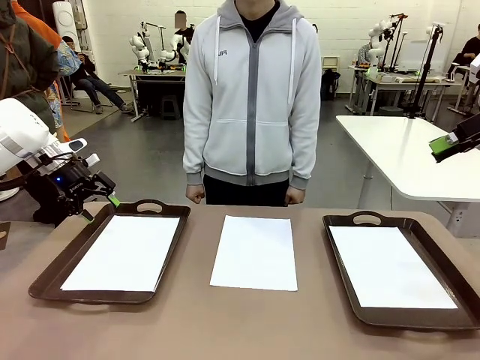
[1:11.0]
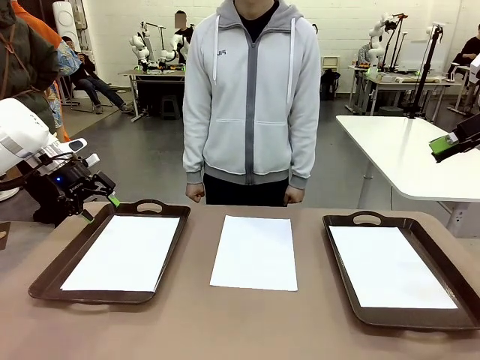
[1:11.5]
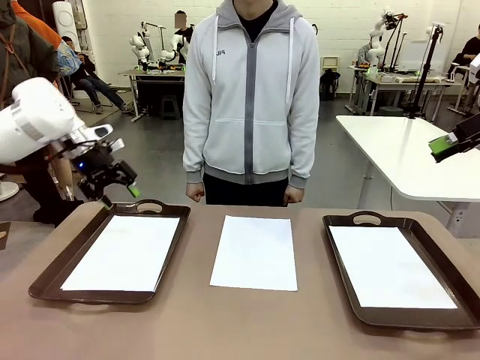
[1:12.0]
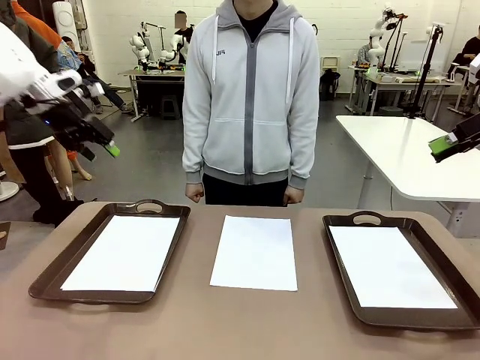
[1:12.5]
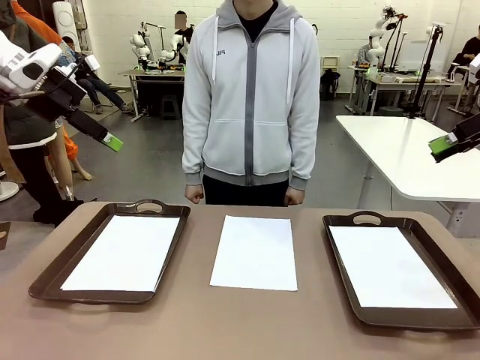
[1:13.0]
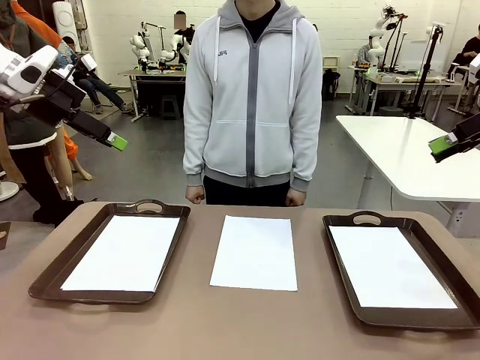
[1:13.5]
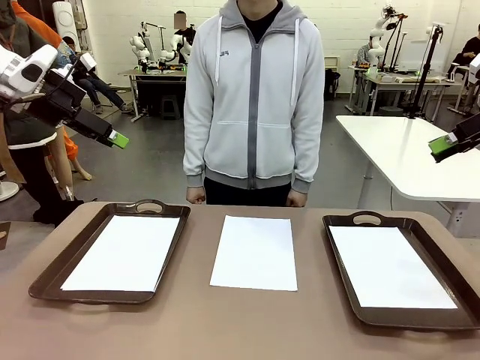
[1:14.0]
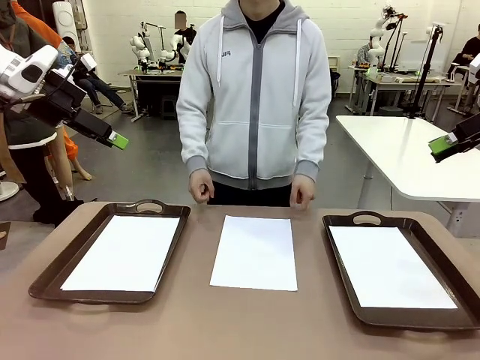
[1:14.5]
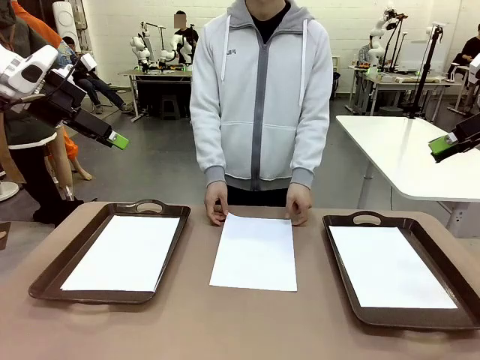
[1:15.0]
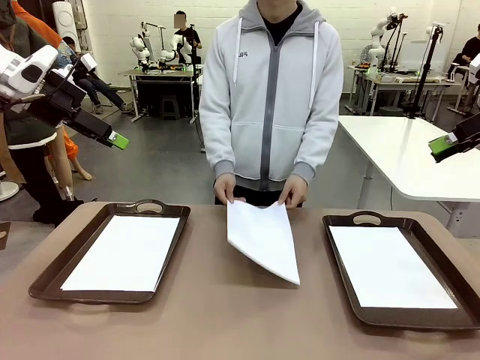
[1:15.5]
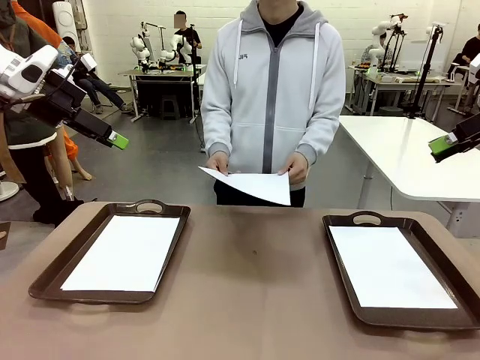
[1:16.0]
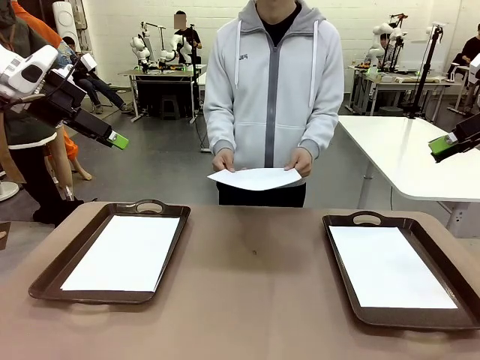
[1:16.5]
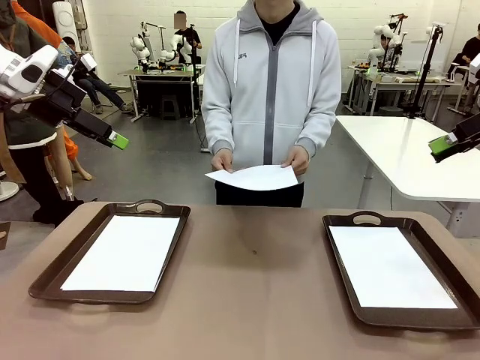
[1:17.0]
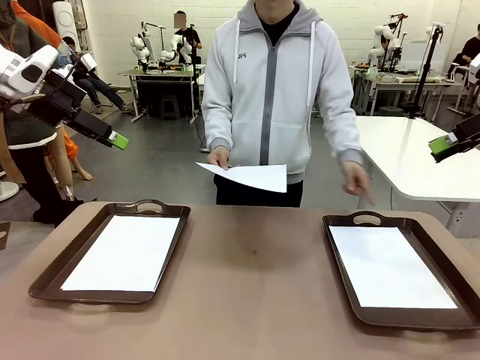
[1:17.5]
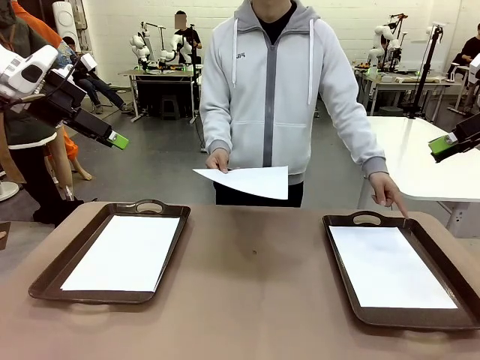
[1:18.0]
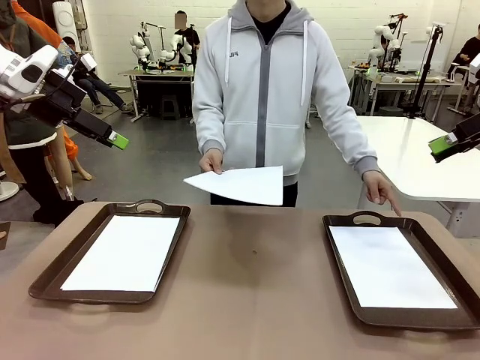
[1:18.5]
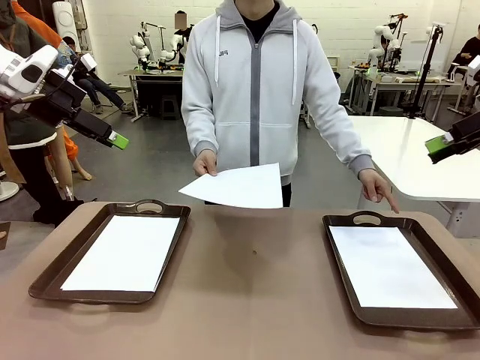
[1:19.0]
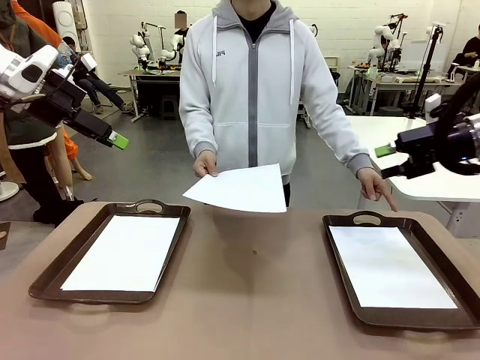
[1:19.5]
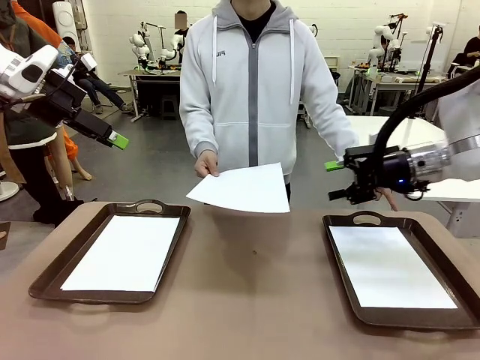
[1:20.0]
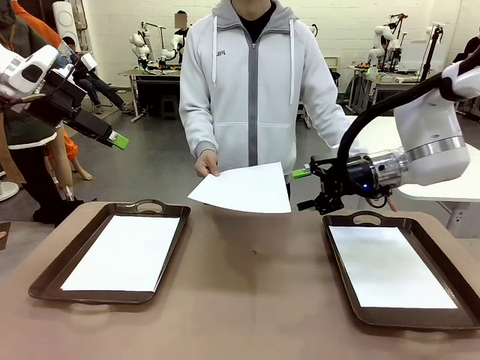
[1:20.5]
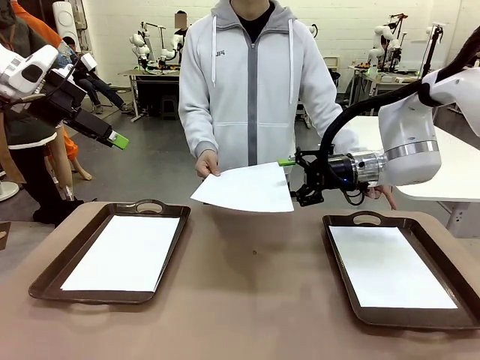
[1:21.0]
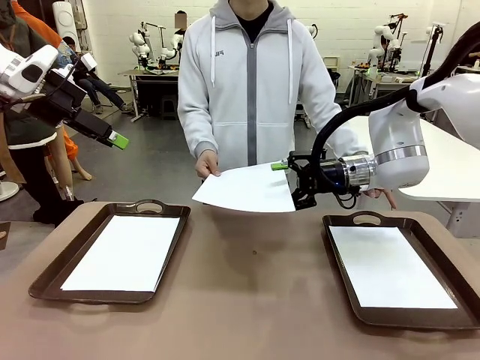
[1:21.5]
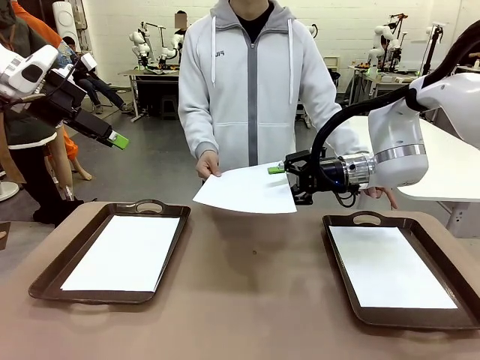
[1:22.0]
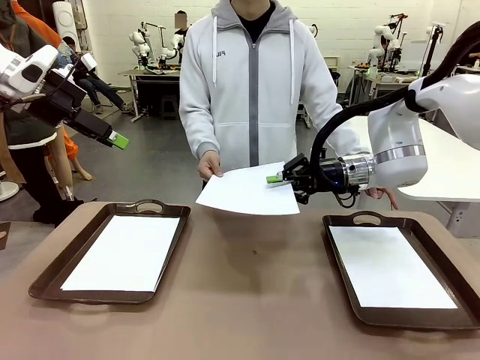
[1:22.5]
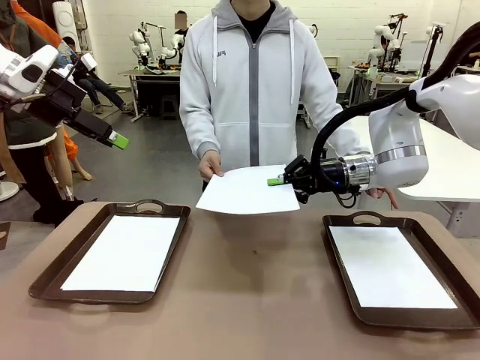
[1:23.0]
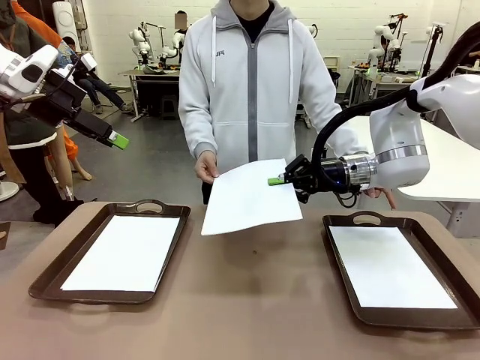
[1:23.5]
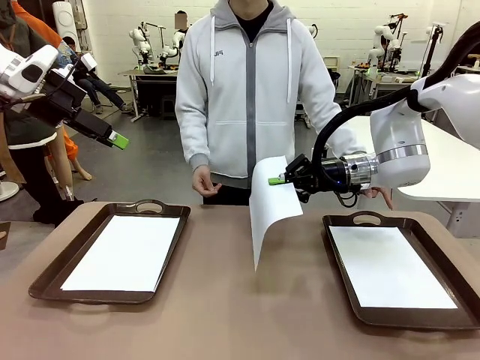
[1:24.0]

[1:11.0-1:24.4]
Task: Sort the A4 documents.
Robot: Receive the A4 Paper.
Person: Point the randomly selected tray with the other hand.

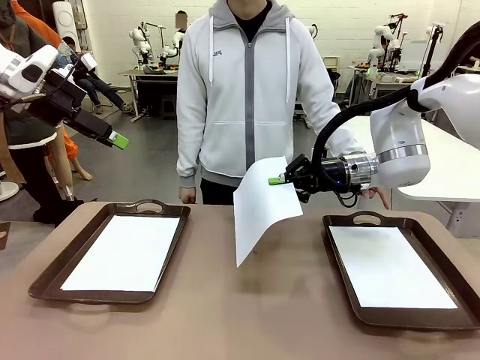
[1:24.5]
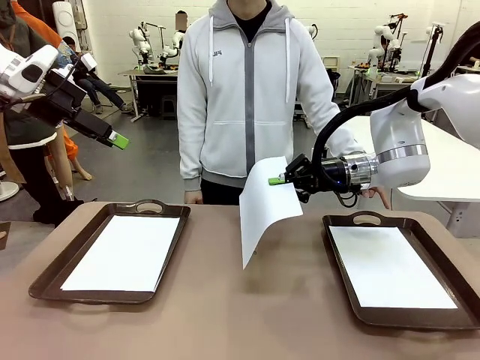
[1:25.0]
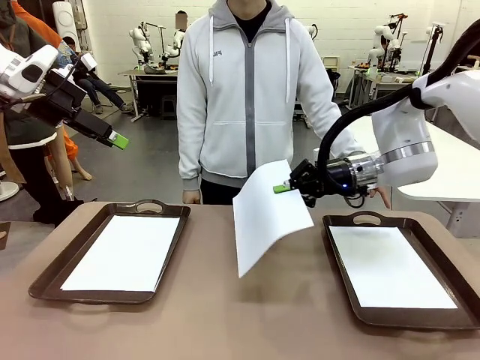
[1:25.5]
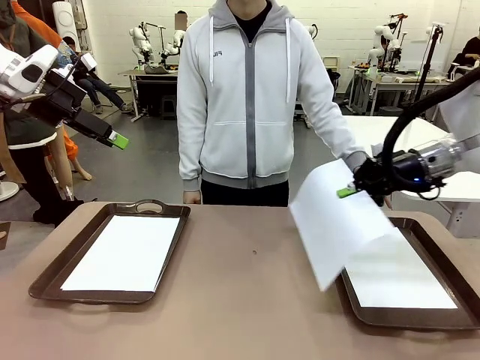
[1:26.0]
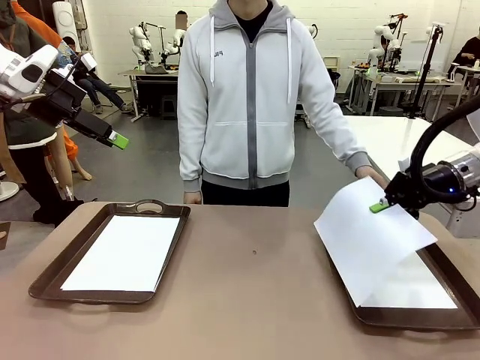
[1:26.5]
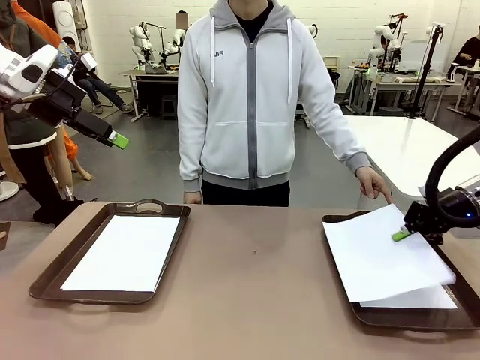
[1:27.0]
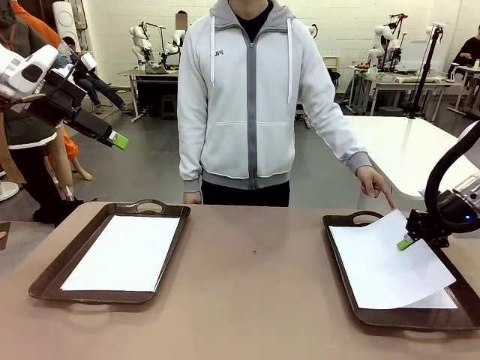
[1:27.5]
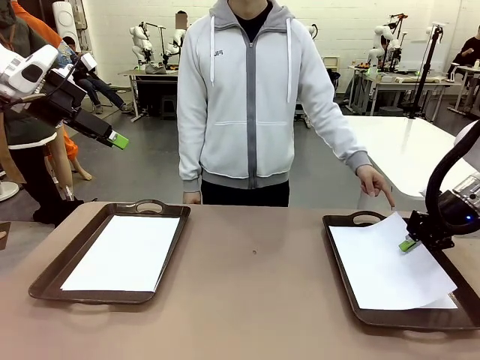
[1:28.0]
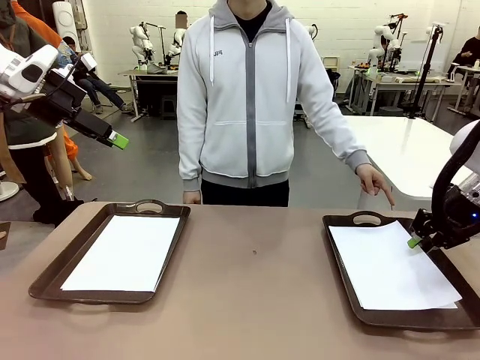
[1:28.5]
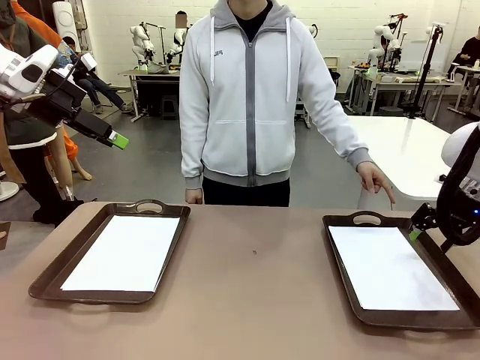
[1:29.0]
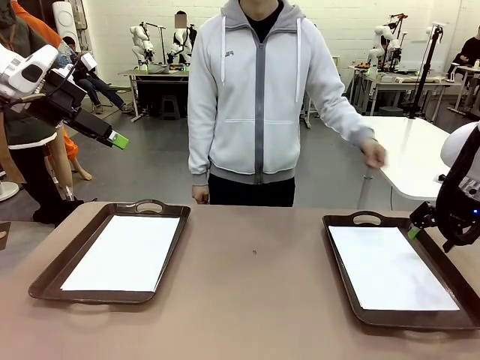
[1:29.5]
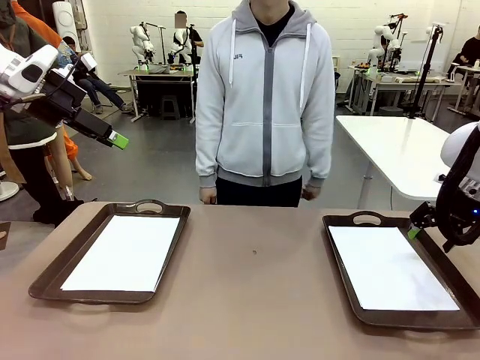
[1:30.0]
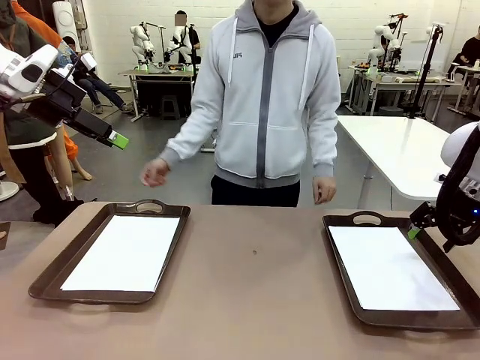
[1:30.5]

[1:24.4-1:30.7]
Robot: Place the A4 Paper in the designated Handle tray.

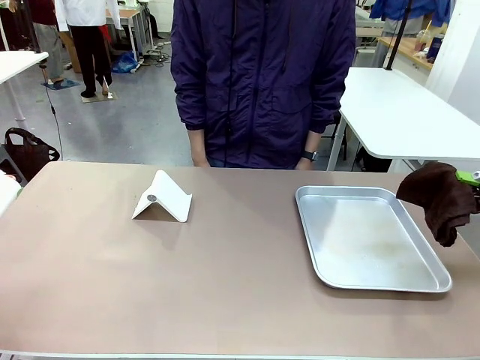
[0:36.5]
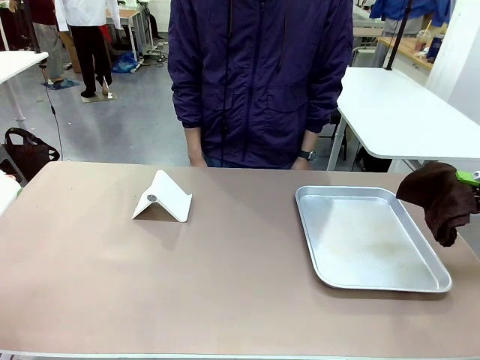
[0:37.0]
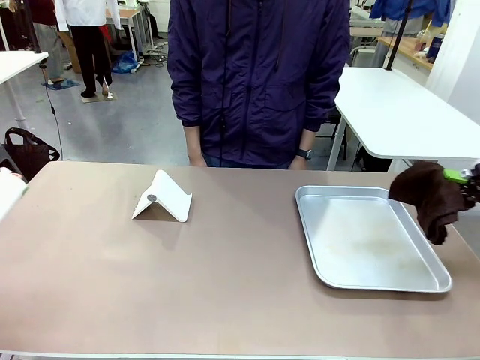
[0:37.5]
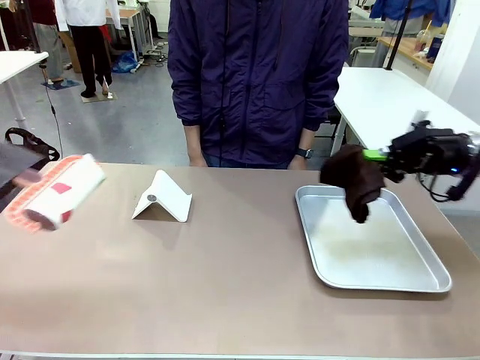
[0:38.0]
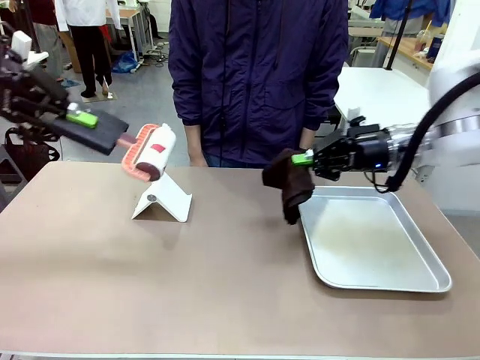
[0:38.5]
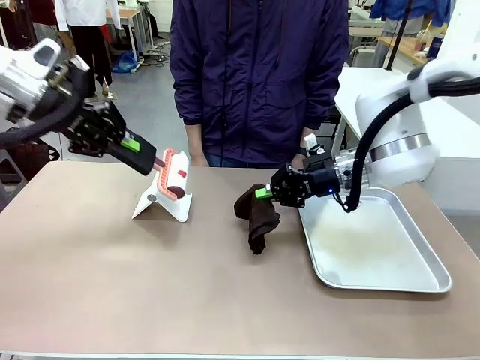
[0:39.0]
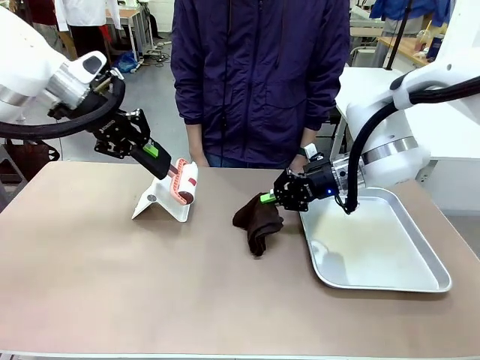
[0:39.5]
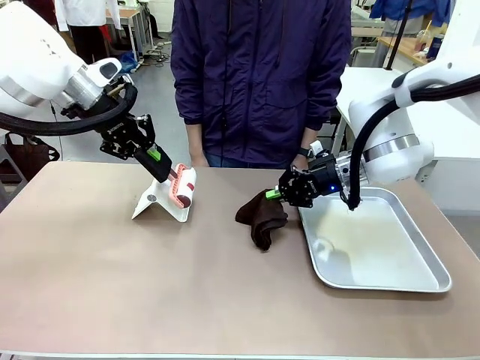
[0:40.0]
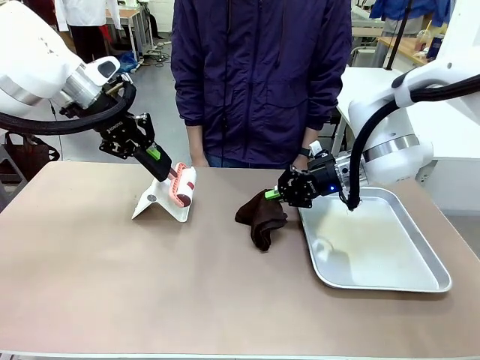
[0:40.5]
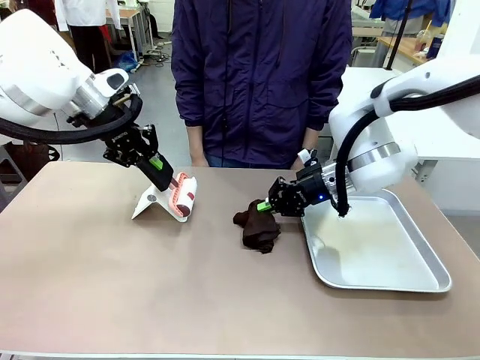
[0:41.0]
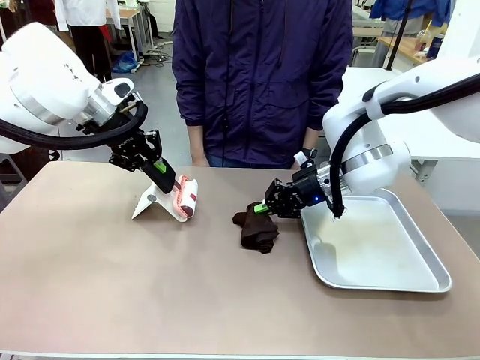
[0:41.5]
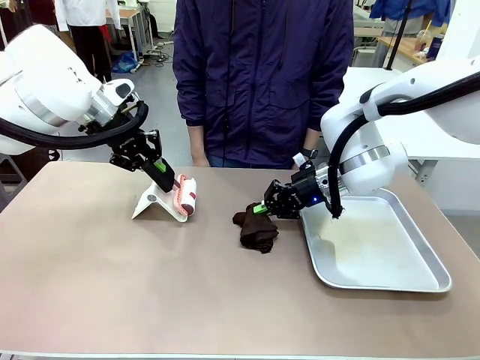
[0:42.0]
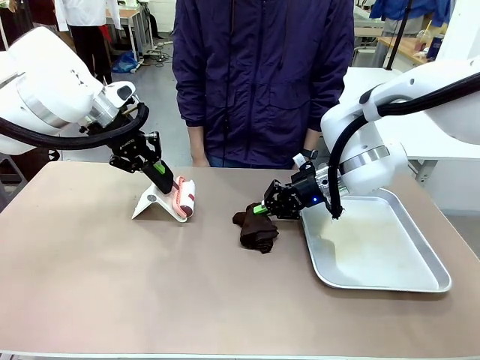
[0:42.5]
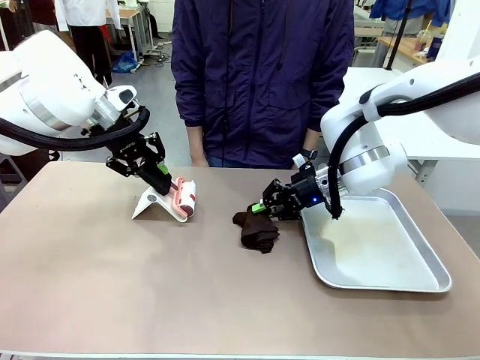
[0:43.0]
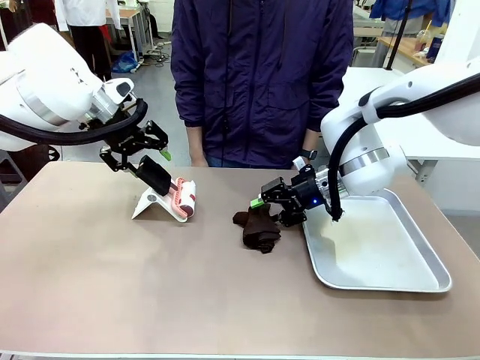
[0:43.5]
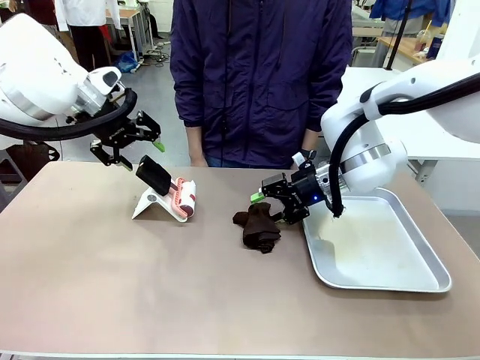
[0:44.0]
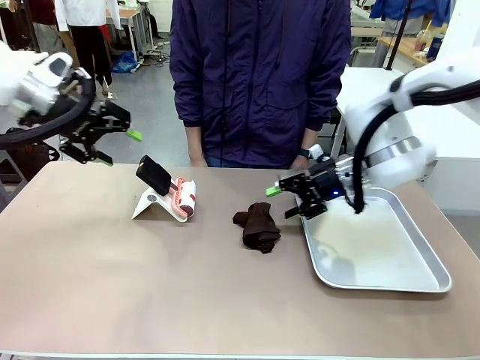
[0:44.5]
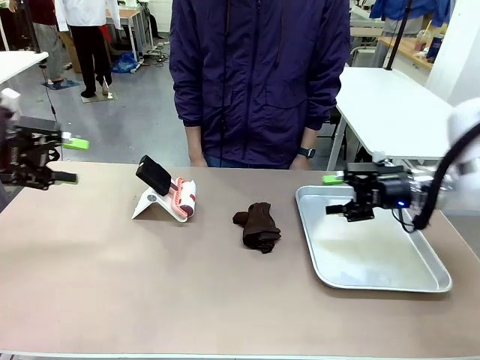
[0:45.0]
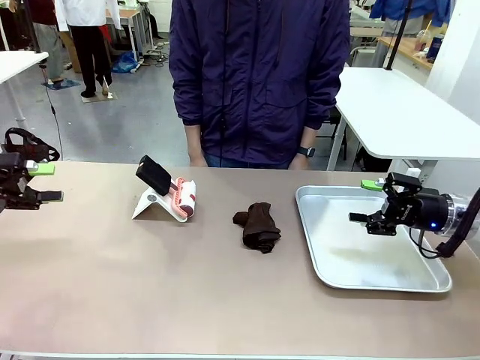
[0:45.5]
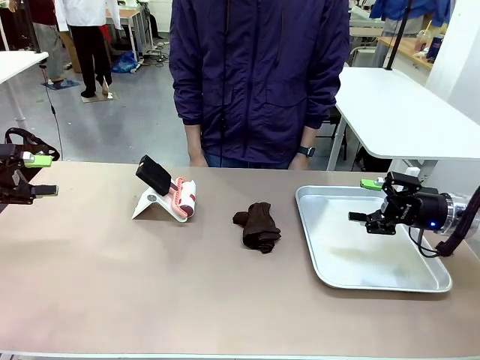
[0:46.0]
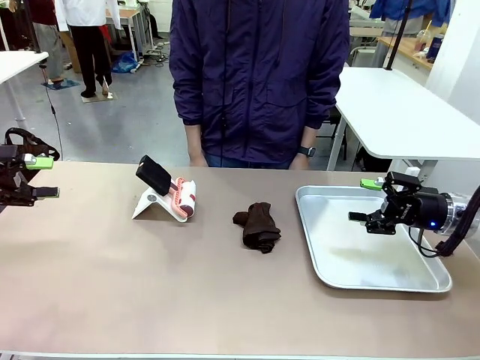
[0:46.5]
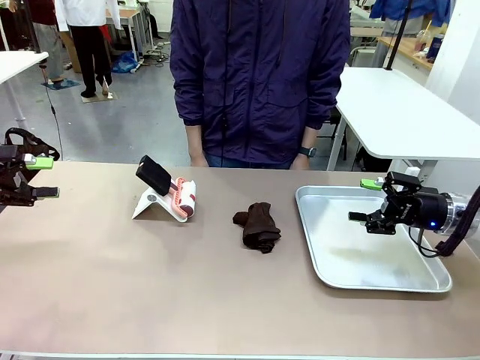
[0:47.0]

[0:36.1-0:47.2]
Task: Clean the surface of the table.
Robot: Return the Lint Roller and towel to their original positions.
